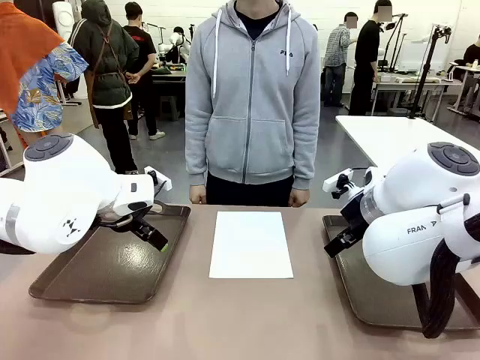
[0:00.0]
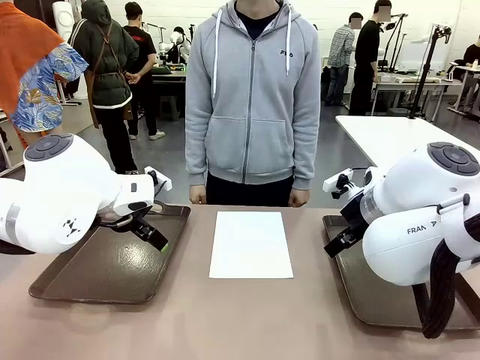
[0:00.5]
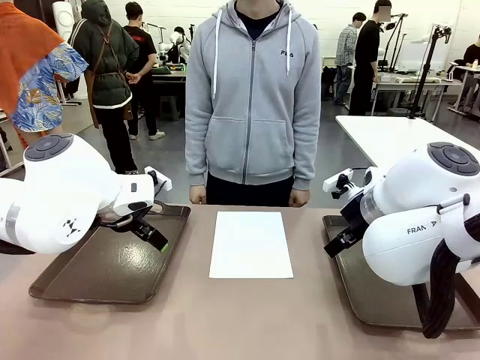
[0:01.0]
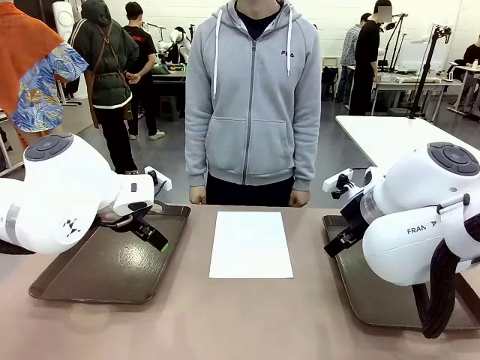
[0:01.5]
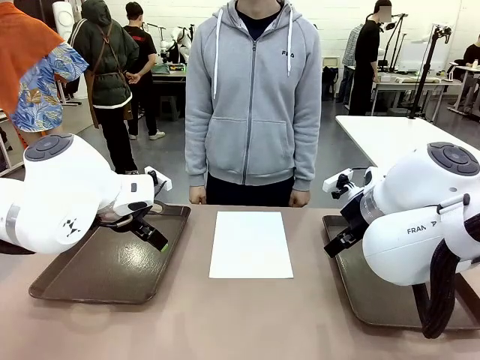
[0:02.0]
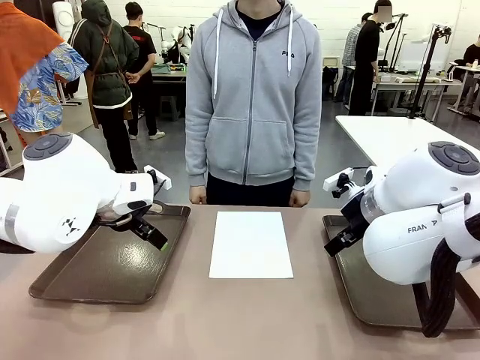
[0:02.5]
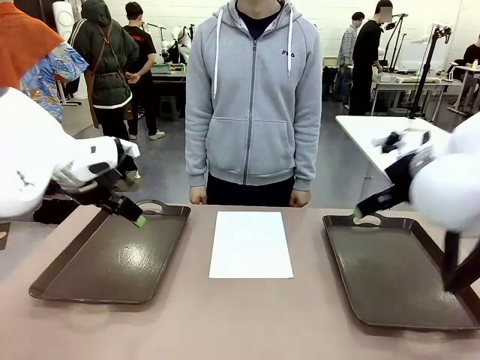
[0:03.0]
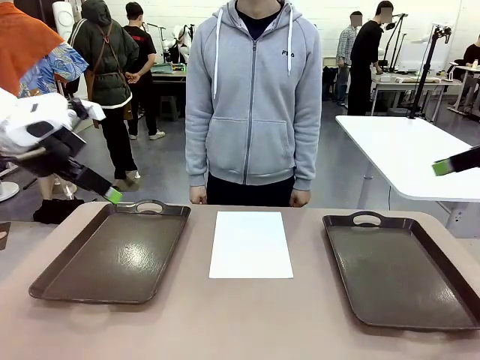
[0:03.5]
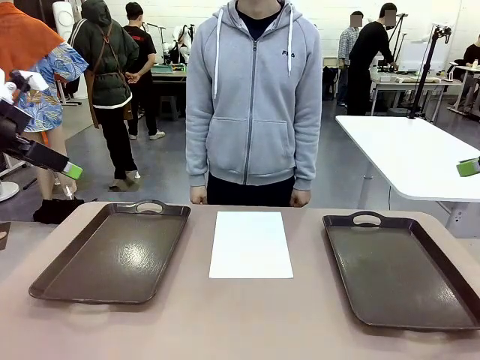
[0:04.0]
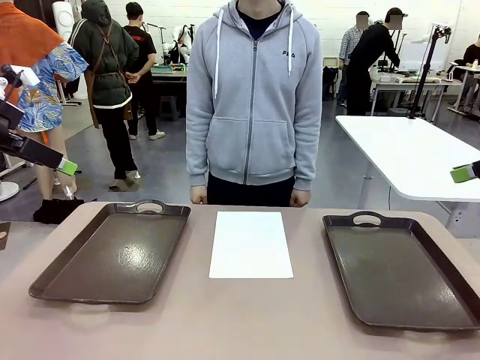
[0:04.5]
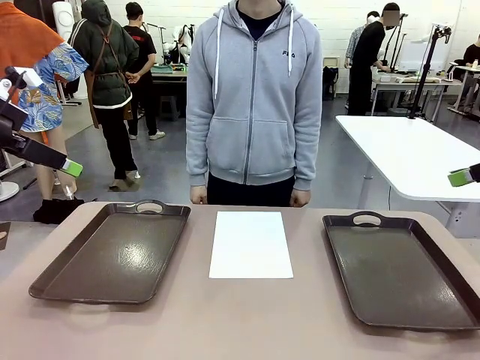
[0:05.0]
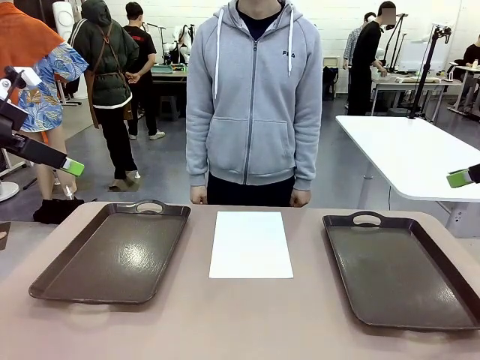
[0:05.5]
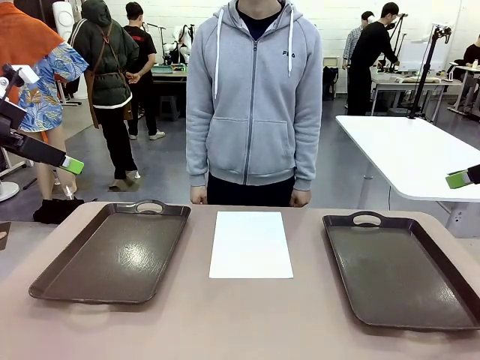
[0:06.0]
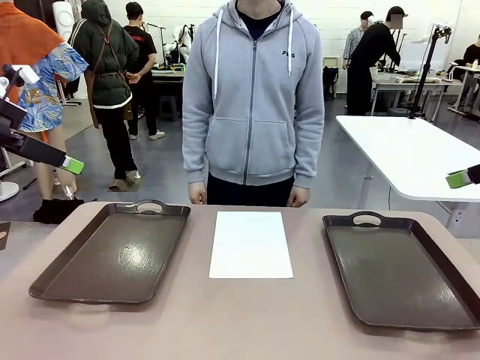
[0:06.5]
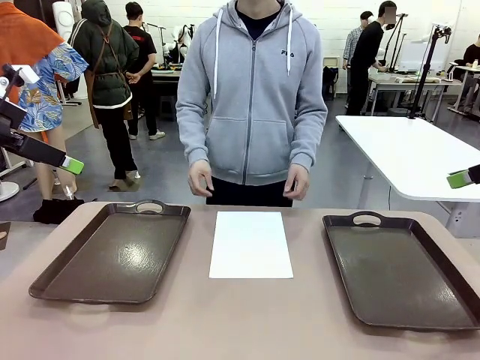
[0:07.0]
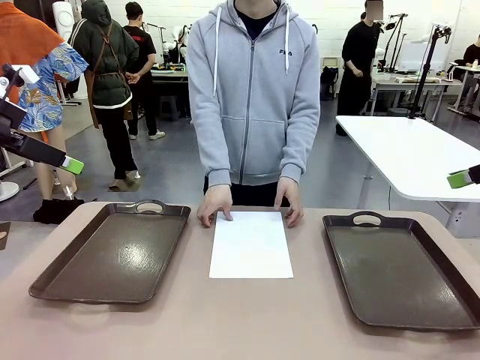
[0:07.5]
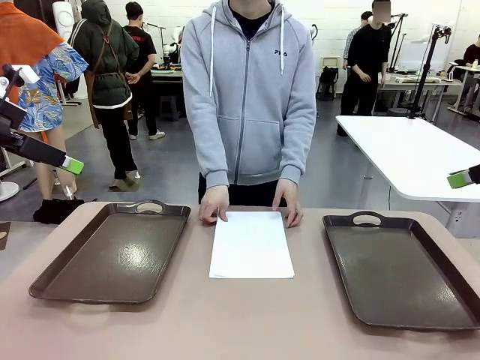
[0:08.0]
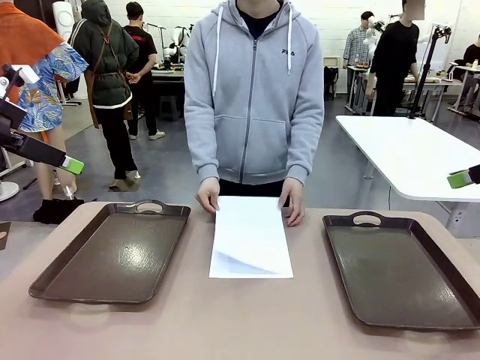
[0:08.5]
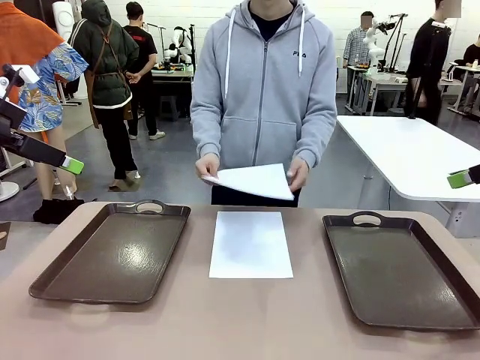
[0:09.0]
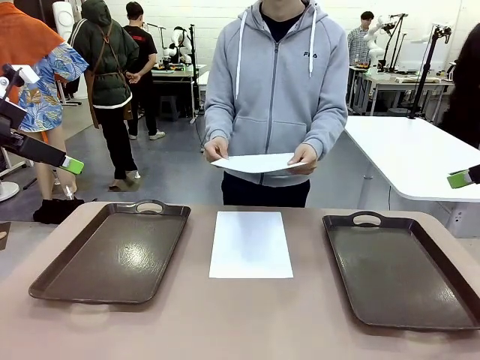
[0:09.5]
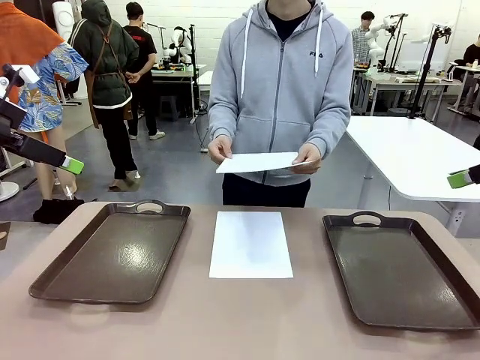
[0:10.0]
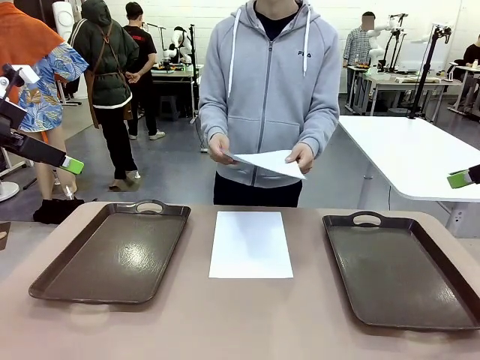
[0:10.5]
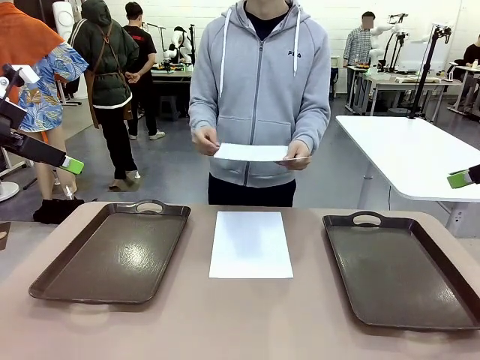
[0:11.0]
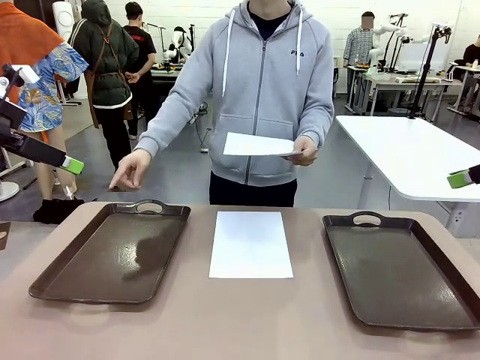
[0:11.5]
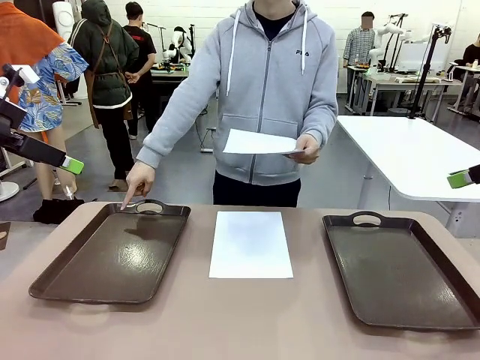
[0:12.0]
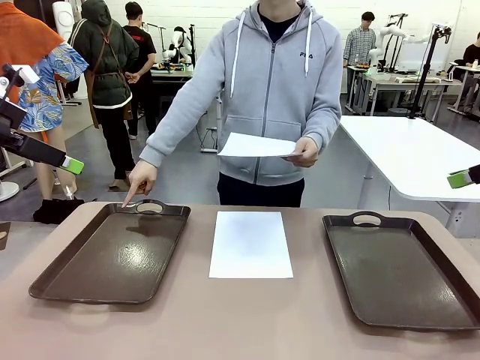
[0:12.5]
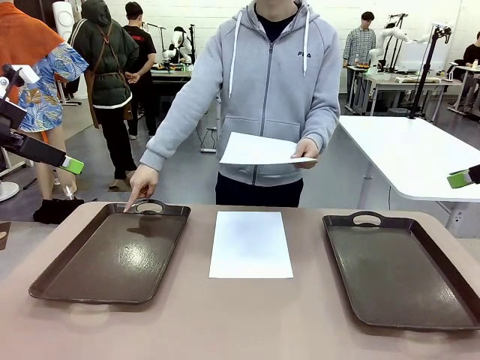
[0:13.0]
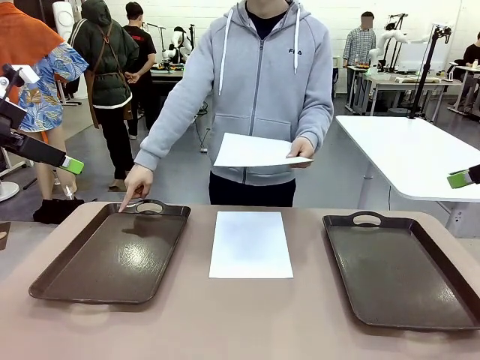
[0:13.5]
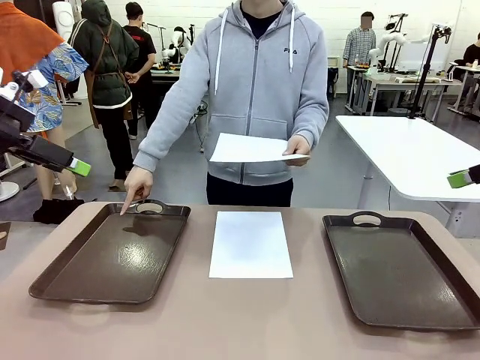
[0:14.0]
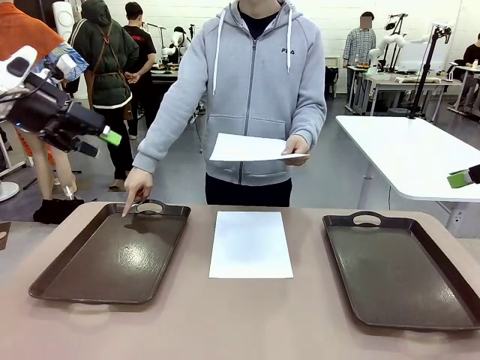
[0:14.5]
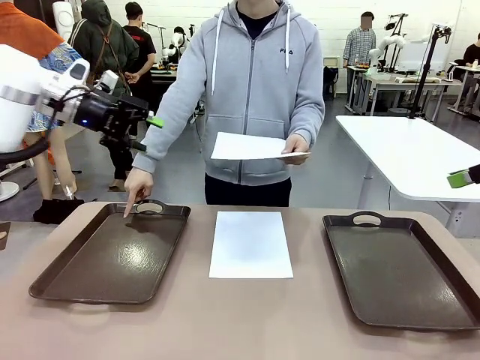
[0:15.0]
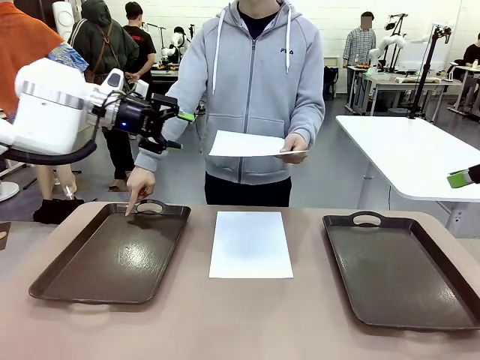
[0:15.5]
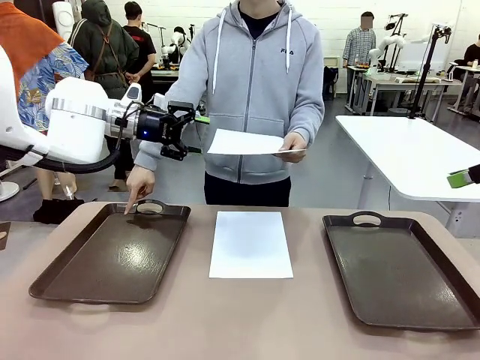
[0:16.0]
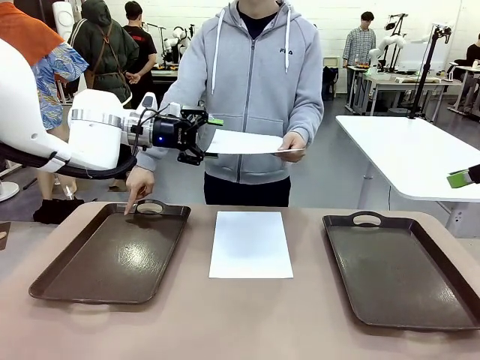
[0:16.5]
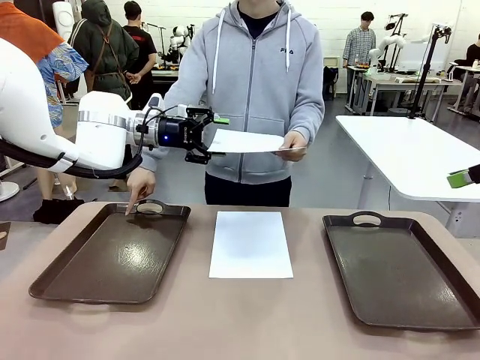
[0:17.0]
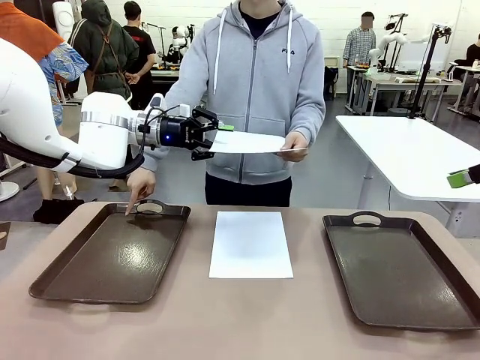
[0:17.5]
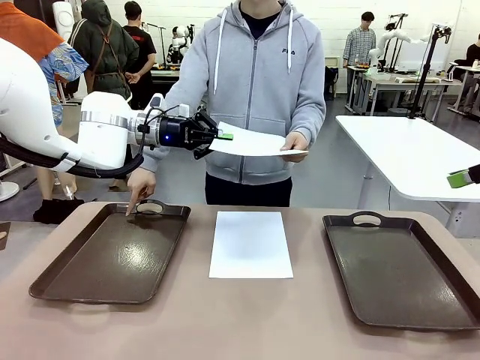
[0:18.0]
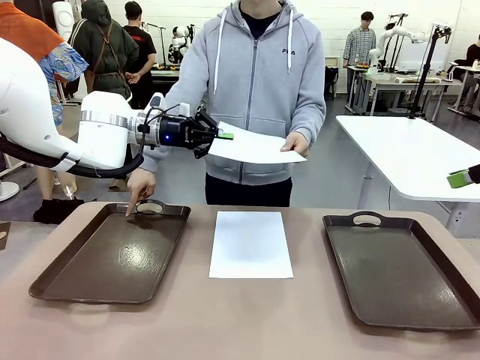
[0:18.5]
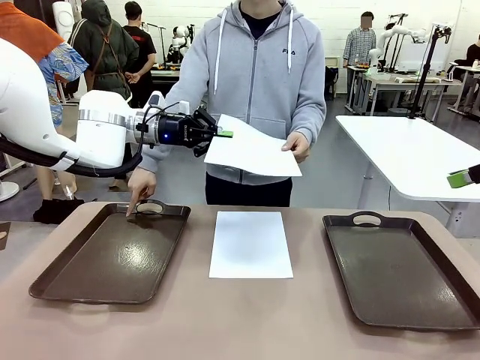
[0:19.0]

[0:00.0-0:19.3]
Task: Sort the A4 documents.
Robot: Receive the A4 Paper.
Person: Pick up a sheet of paper from the center of the table and hand it to the robot. Point the randomly selected tray with the other hand.

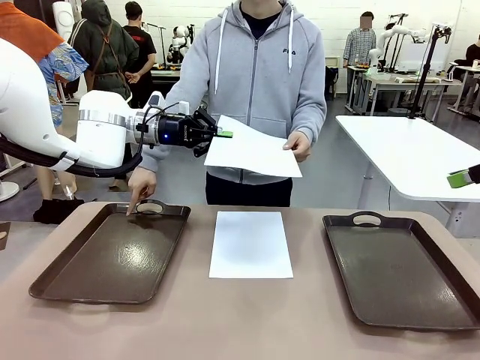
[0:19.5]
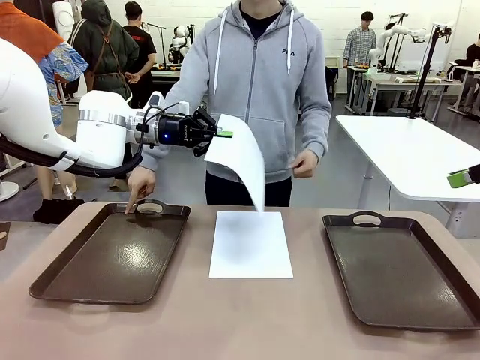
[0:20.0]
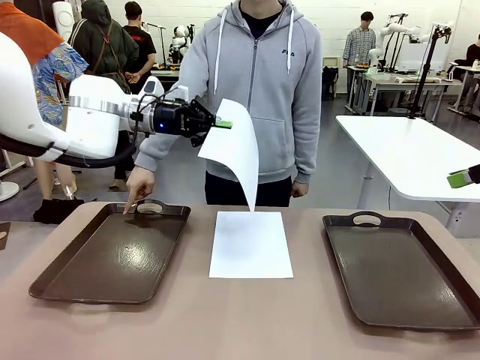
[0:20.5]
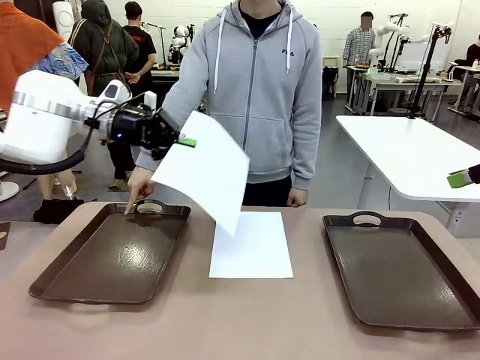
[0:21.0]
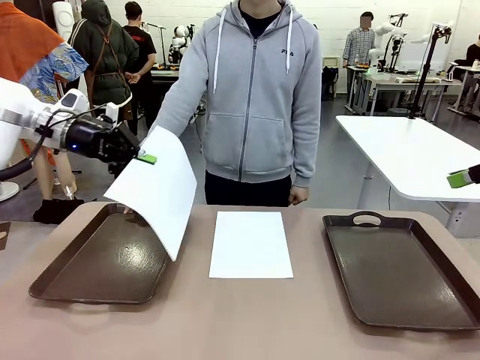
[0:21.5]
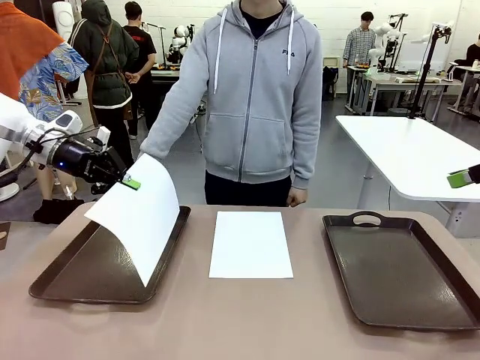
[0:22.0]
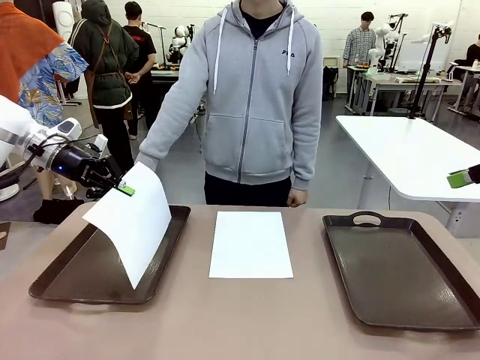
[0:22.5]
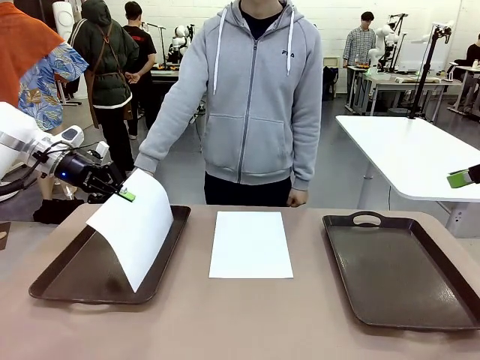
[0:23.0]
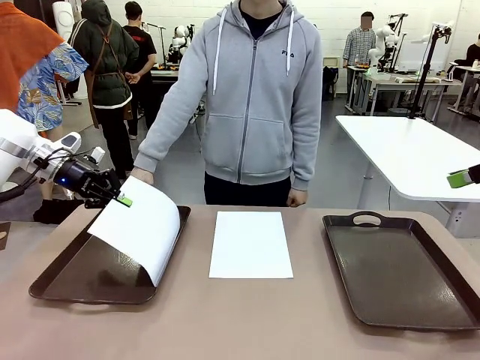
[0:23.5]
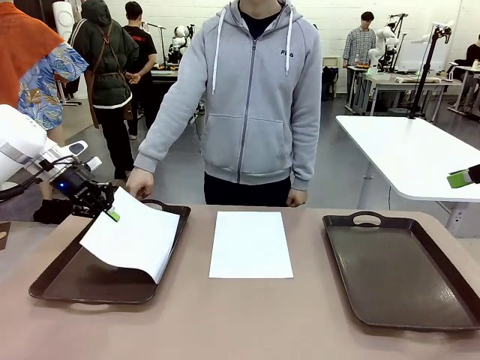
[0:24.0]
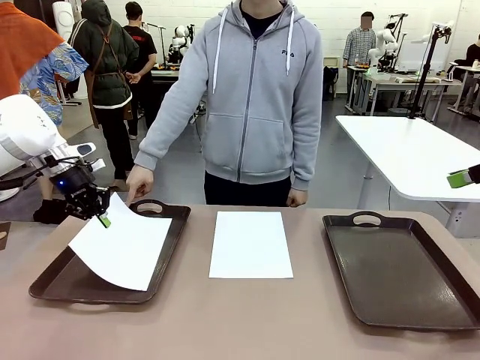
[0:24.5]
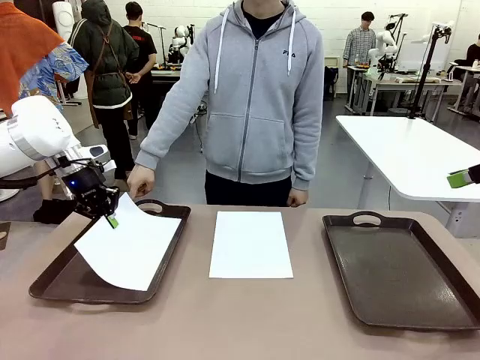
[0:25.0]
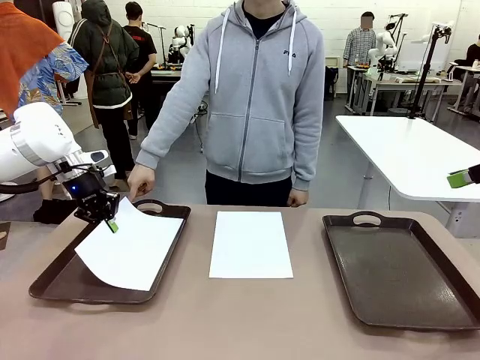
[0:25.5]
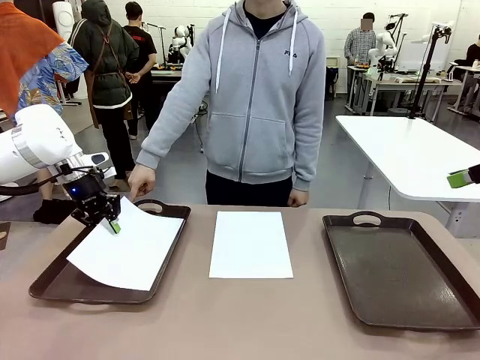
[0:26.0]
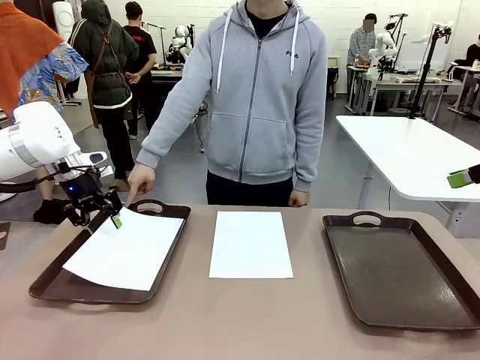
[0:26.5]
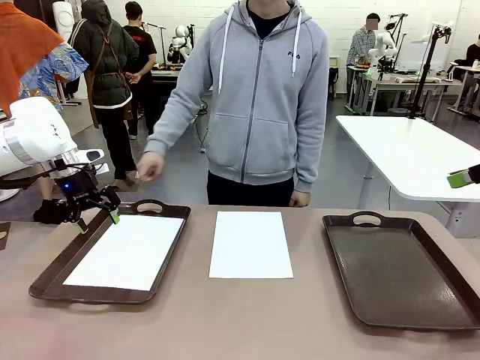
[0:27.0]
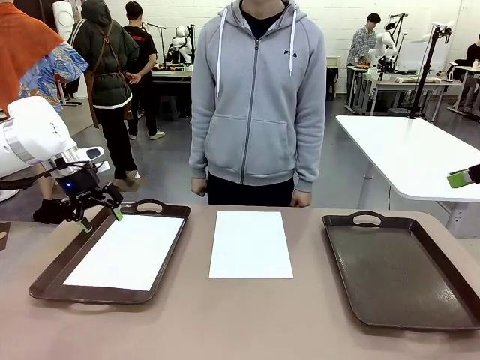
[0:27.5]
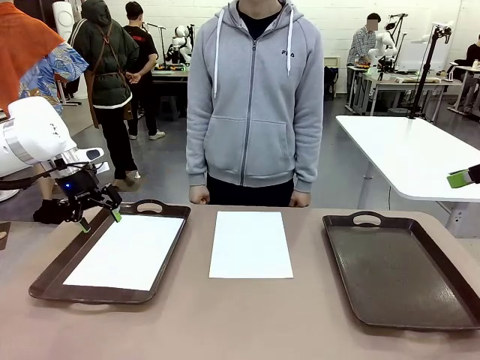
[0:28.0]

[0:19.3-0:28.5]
Robot: Place the A4 Paper in the designated Handle tray.
